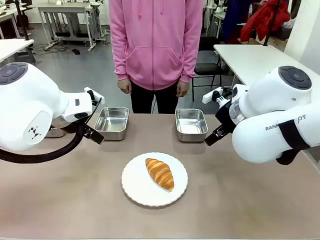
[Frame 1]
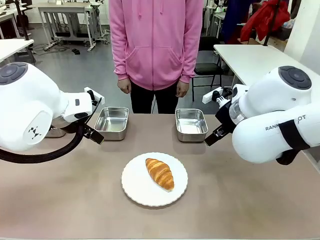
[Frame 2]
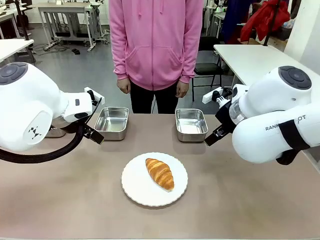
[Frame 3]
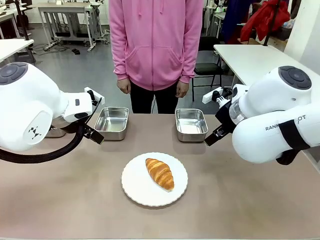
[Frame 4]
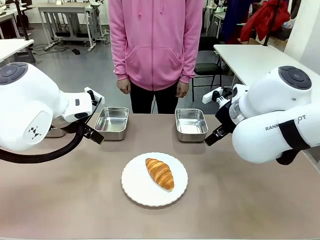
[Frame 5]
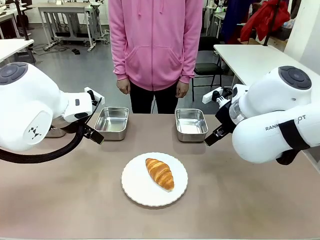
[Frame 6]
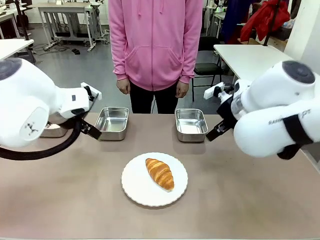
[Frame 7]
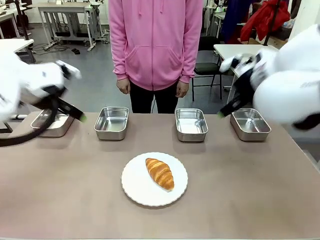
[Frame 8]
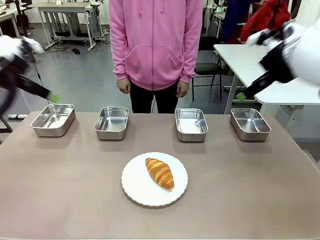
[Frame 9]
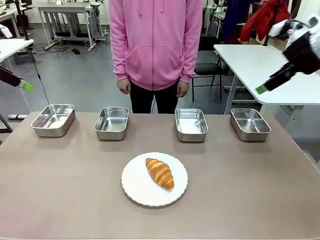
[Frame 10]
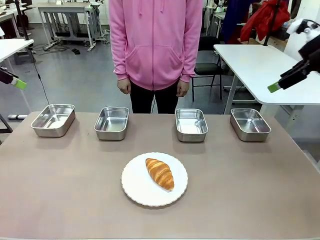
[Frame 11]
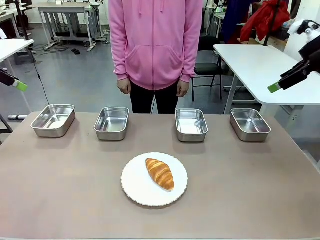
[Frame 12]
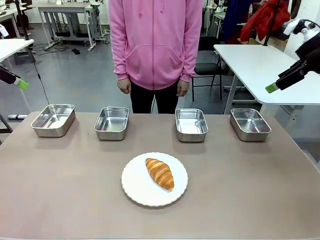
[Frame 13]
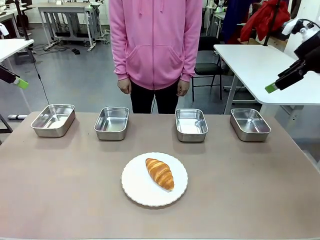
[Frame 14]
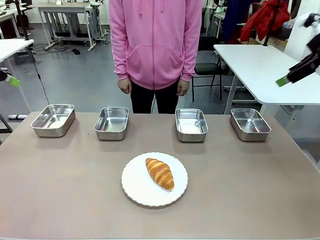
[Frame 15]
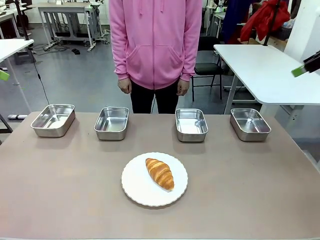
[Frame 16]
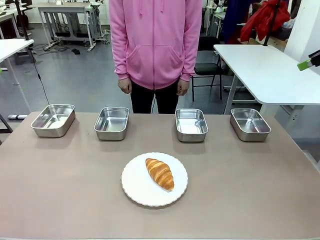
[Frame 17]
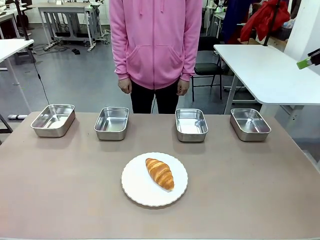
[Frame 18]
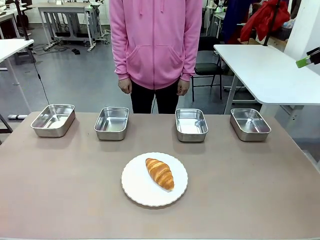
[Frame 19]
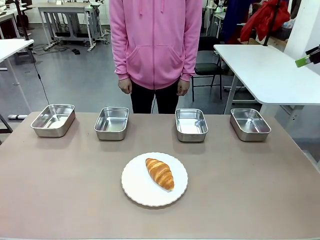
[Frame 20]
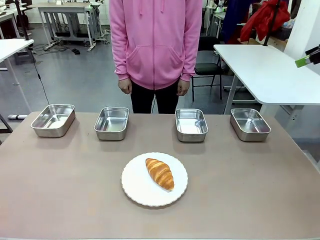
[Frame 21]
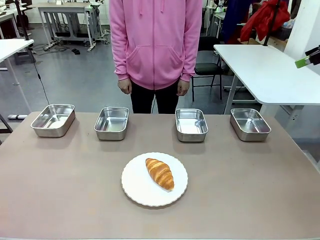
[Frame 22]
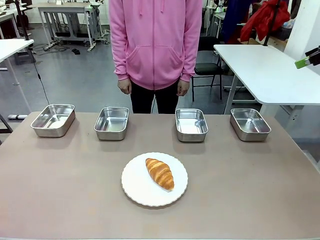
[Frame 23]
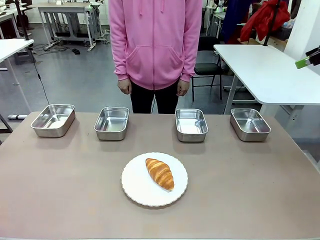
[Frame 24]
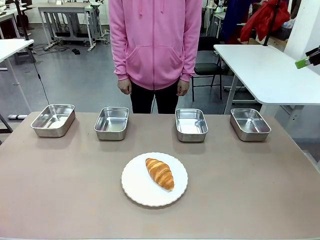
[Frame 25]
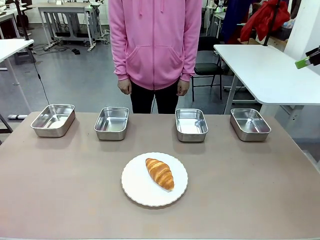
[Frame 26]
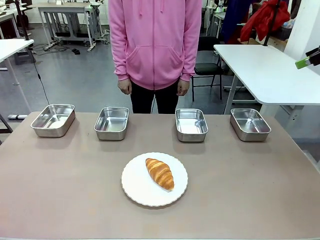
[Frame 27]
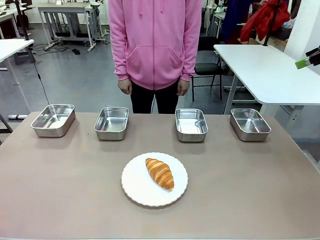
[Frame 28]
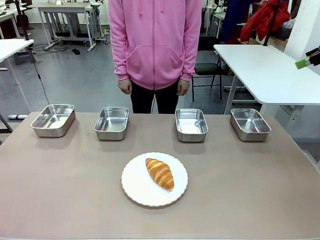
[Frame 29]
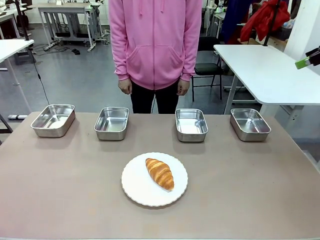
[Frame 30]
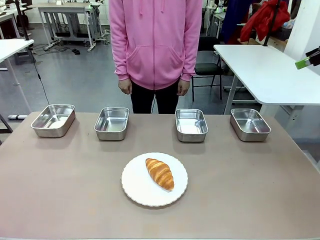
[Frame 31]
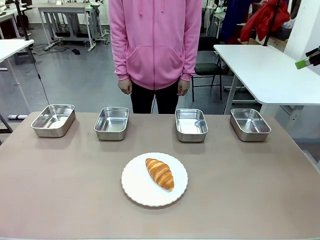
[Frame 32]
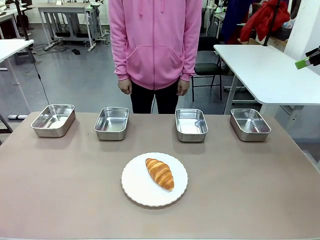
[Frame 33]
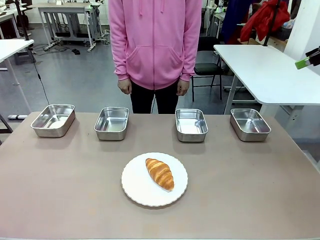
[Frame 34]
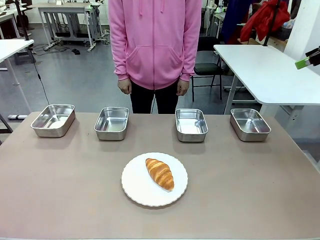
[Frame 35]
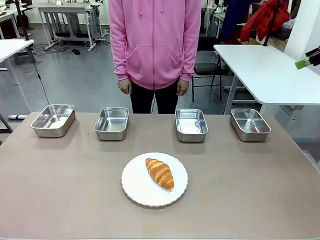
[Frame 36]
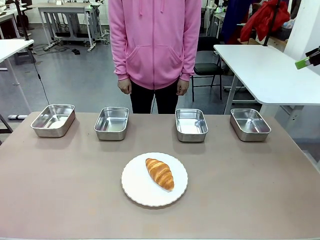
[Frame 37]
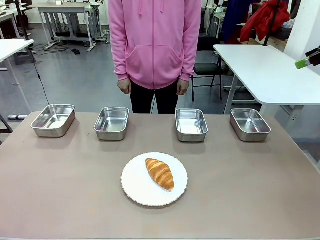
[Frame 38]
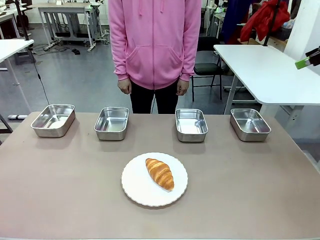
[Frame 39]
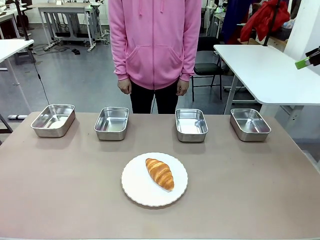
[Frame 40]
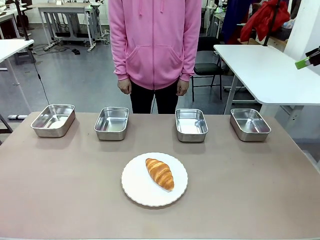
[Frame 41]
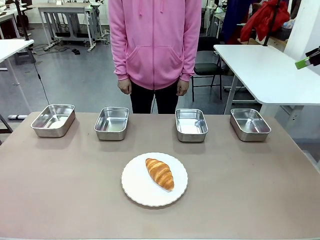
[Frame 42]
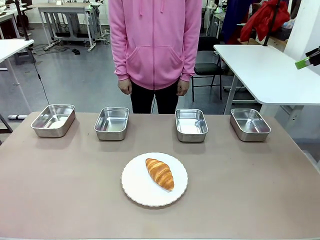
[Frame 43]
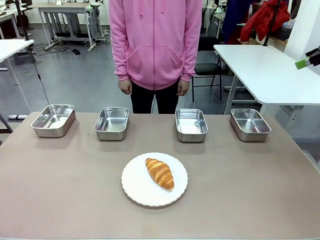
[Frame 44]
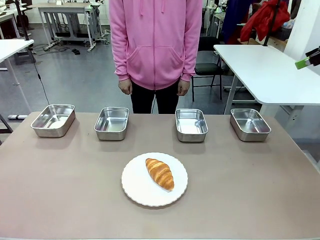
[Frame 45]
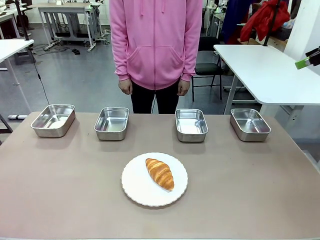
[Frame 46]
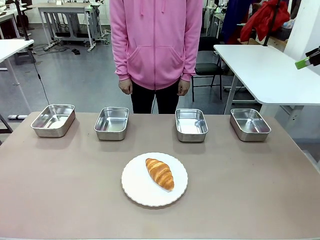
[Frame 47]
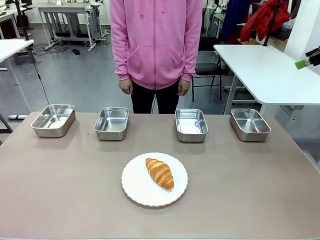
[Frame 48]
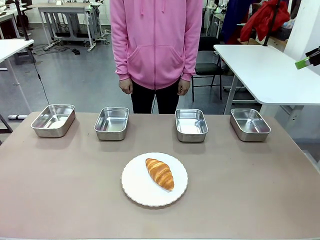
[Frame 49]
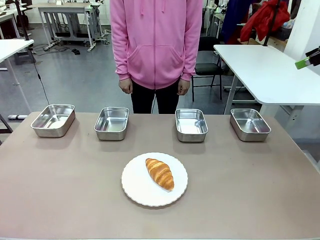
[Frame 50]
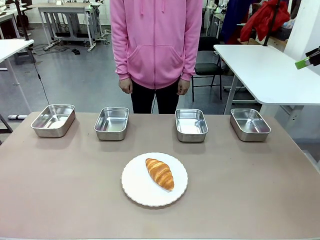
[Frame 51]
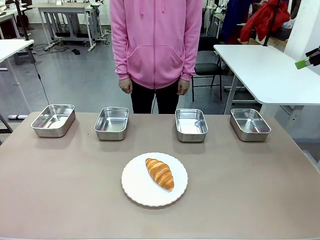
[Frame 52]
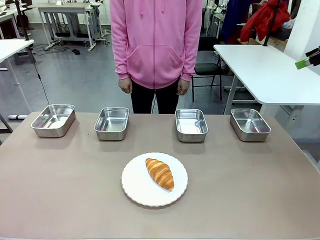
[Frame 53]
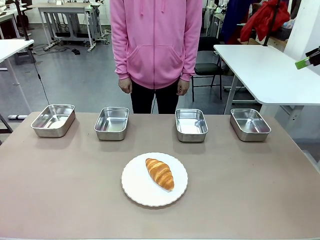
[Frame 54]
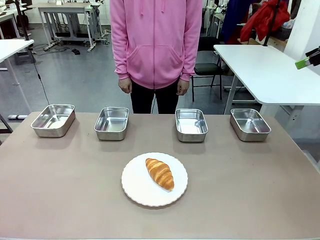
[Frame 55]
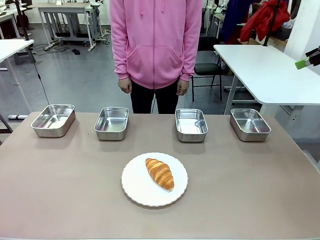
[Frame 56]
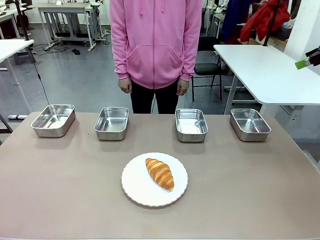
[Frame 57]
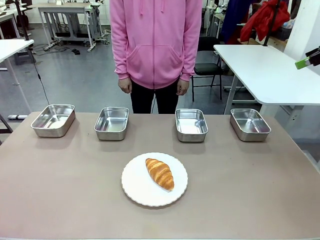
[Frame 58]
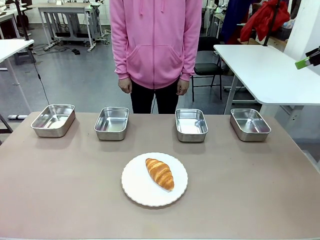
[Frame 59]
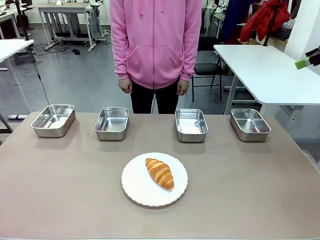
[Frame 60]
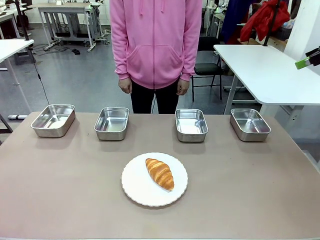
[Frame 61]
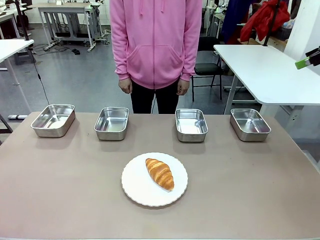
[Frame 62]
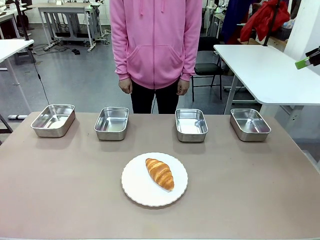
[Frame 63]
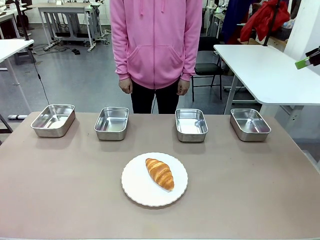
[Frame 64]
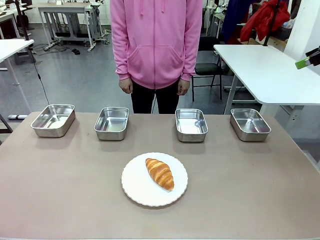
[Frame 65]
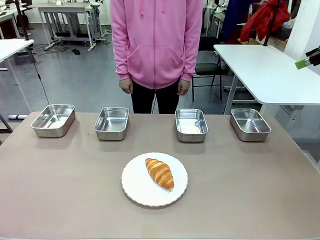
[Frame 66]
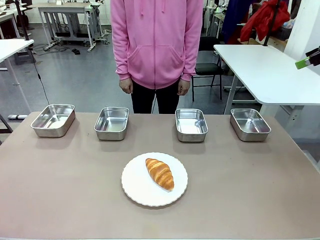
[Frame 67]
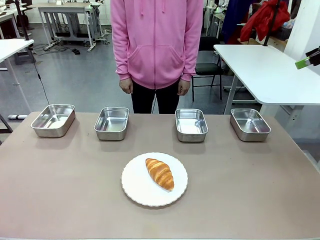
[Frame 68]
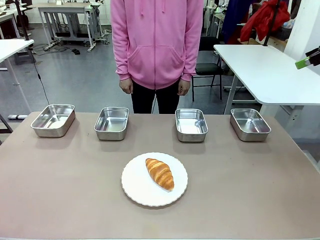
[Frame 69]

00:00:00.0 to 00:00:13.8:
Task: Place the bread in the container.
Robot: Place the Butter Roll into the Airtight Container indicated by the human.
